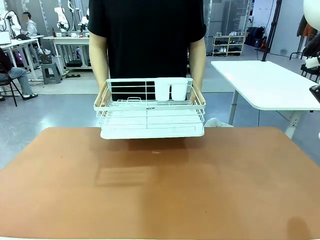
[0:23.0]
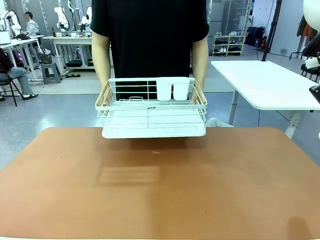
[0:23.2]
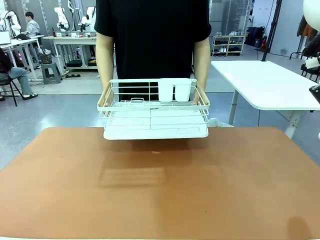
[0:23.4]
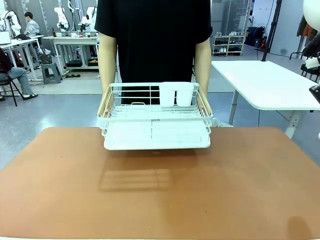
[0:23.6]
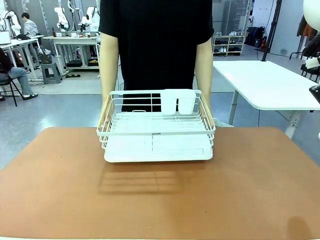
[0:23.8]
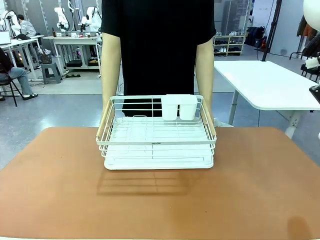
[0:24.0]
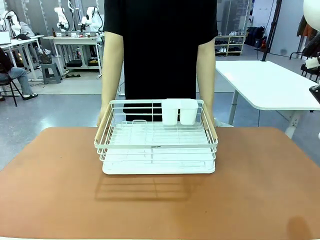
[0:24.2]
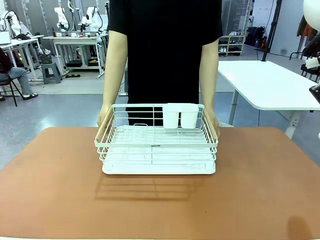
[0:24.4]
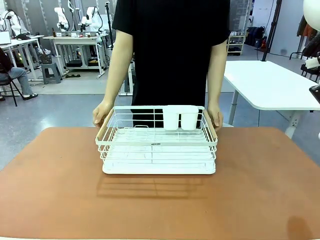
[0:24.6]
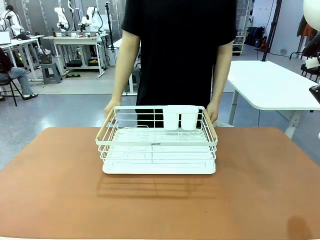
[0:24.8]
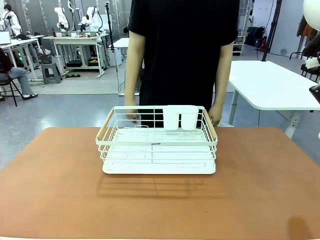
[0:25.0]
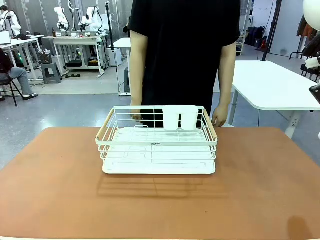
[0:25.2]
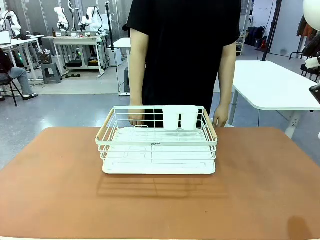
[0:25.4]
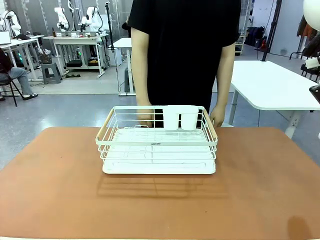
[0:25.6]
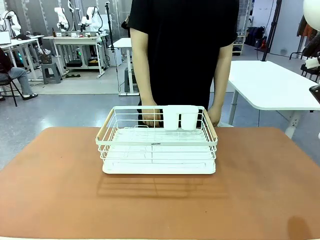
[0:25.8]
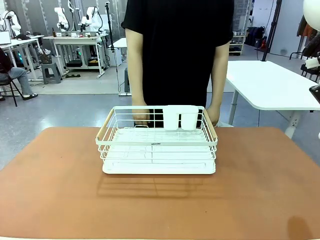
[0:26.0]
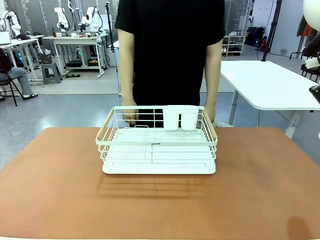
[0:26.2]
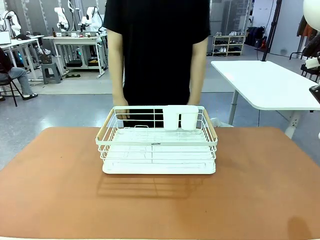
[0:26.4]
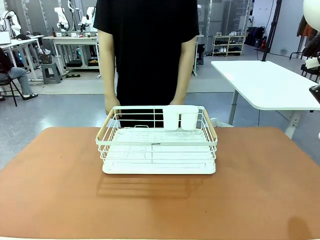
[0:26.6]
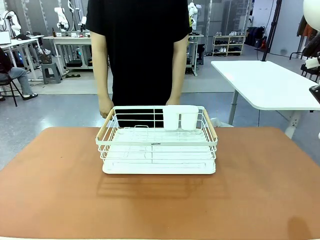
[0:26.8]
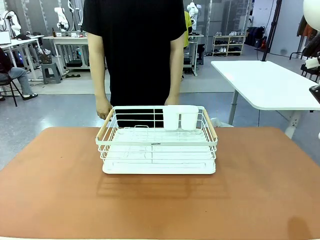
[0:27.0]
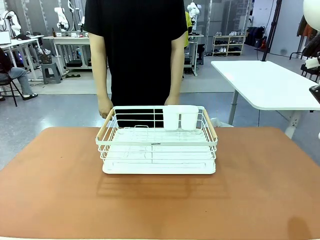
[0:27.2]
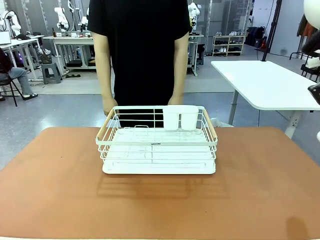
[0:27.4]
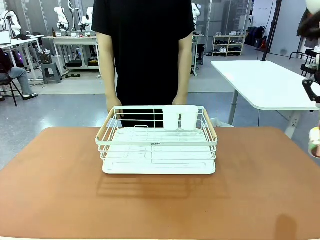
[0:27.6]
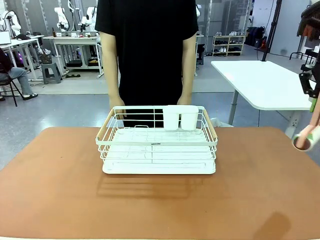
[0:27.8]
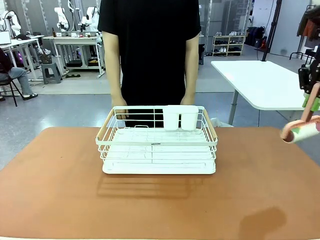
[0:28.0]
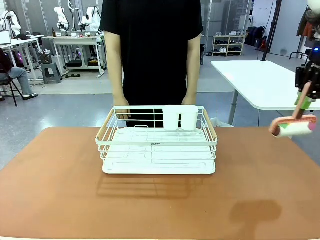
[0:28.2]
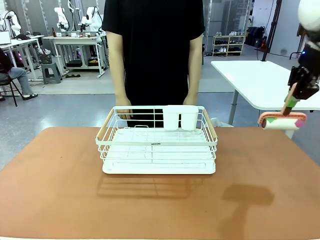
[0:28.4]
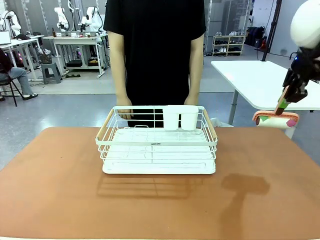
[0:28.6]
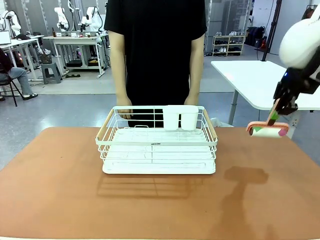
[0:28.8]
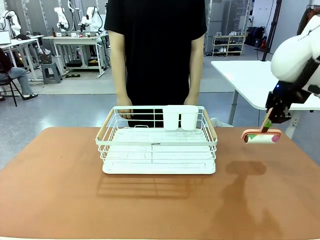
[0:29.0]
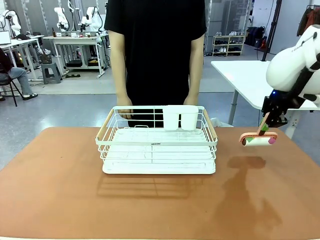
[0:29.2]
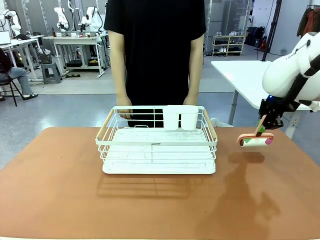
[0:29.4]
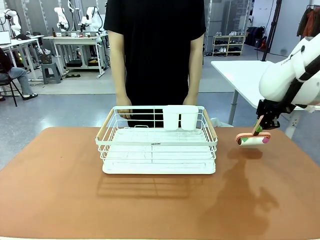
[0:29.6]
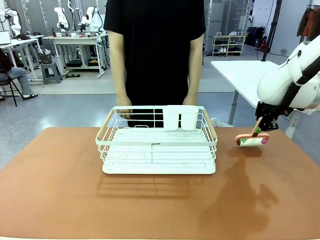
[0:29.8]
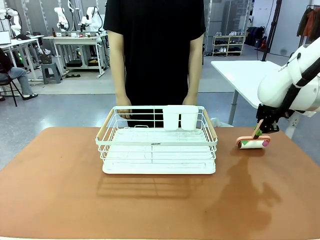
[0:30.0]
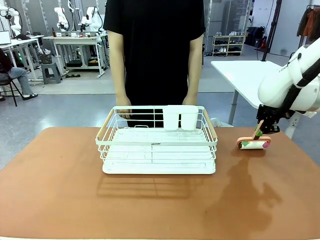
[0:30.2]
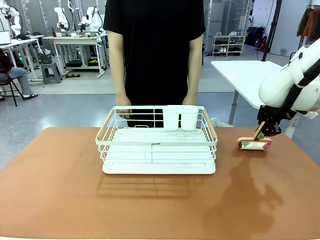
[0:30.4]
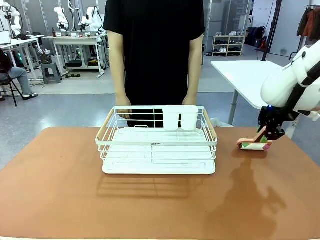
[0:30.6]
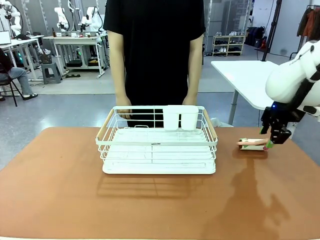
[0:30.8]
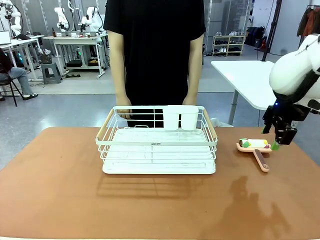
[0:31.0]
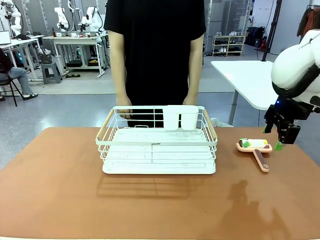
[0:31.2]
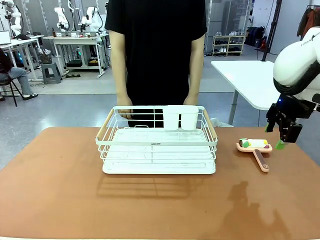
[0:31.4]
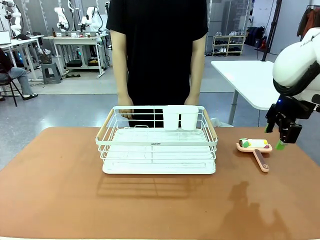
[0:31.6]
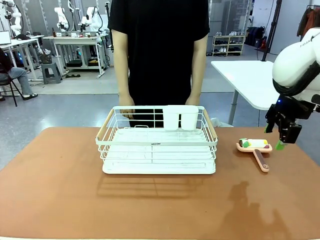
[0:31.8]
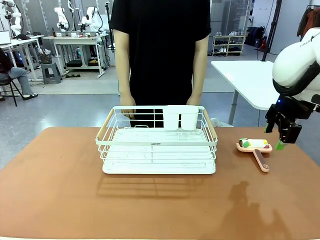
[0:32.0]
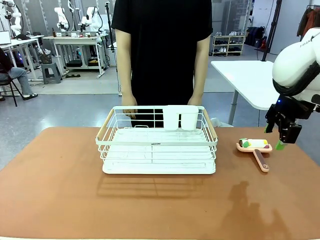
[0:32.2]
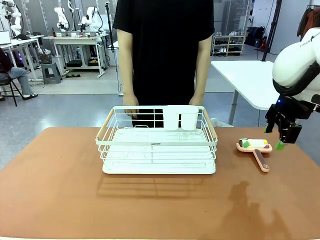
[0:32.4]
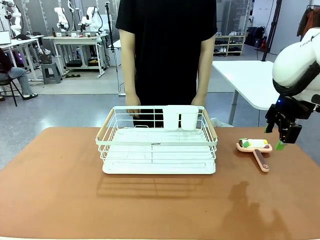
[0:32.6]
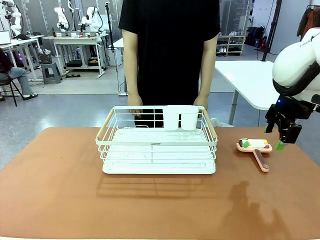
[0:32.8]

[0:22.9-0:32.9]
Task: Clean the table.
Robot: Place the Lint Roller down when the Dish drying rack is positioned in the middle of the table.
Person: Place the Dish drying rack down when the robot finishes cleaning.

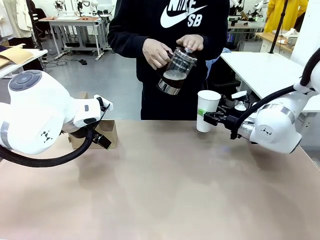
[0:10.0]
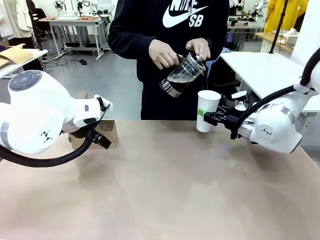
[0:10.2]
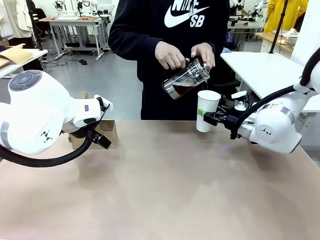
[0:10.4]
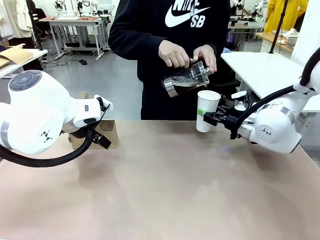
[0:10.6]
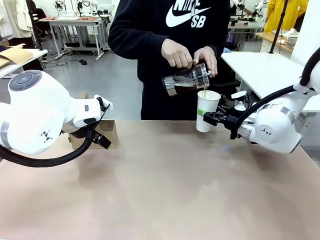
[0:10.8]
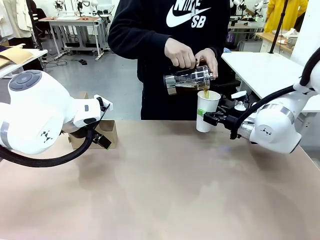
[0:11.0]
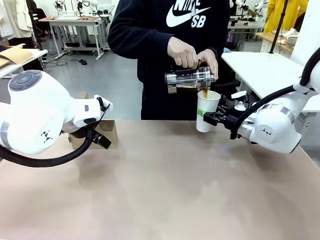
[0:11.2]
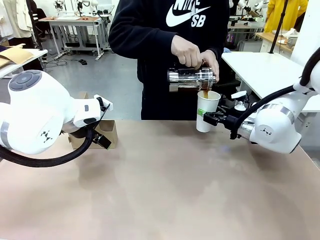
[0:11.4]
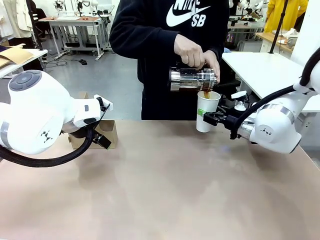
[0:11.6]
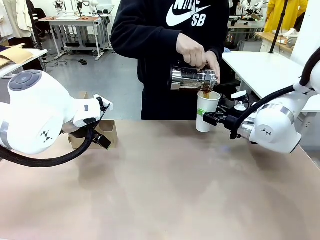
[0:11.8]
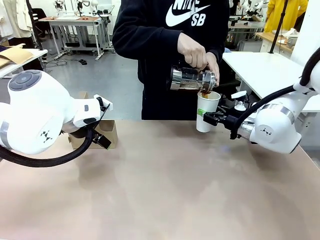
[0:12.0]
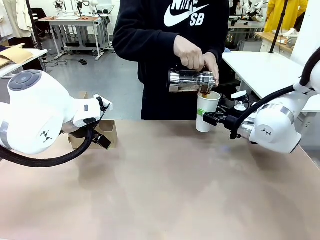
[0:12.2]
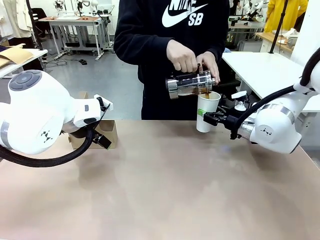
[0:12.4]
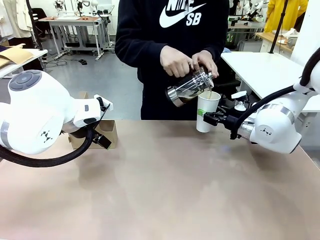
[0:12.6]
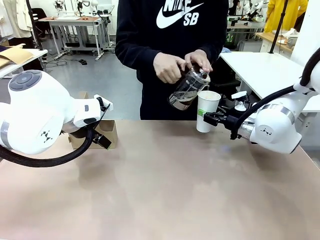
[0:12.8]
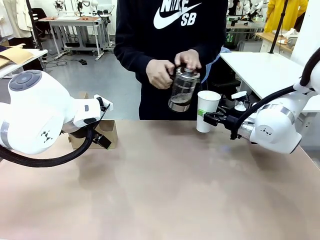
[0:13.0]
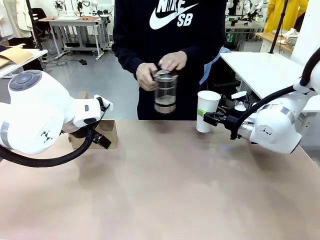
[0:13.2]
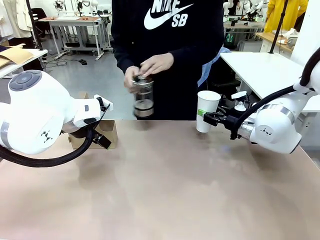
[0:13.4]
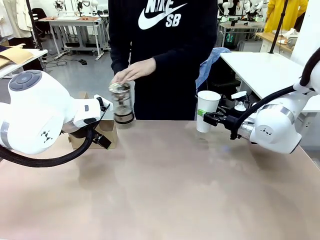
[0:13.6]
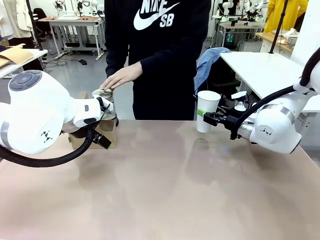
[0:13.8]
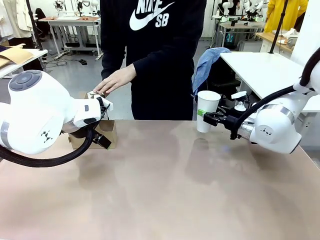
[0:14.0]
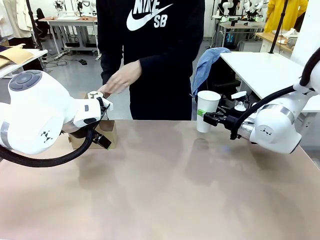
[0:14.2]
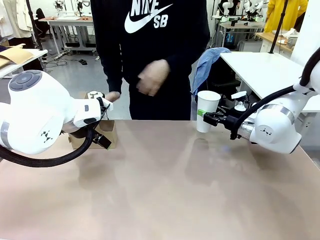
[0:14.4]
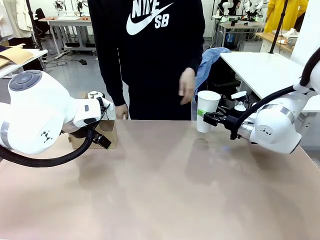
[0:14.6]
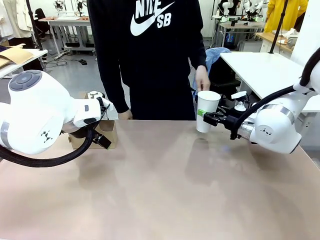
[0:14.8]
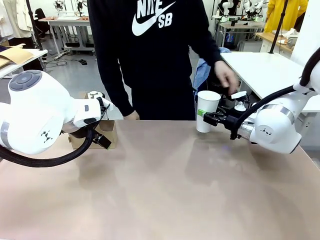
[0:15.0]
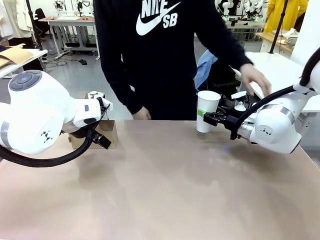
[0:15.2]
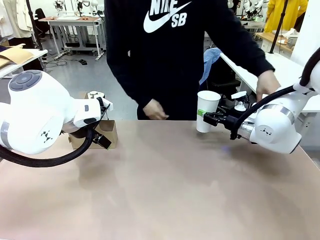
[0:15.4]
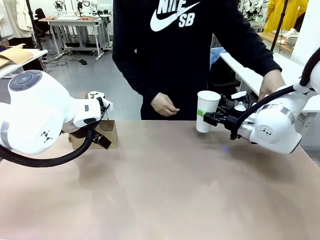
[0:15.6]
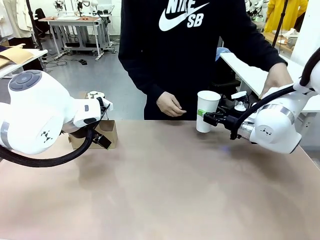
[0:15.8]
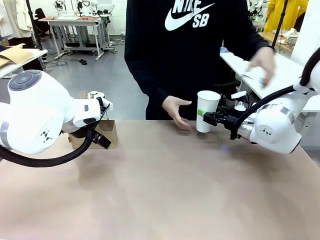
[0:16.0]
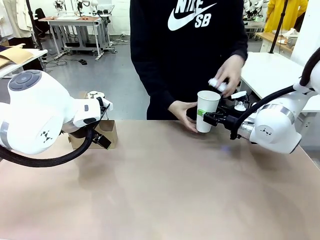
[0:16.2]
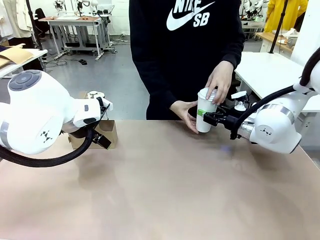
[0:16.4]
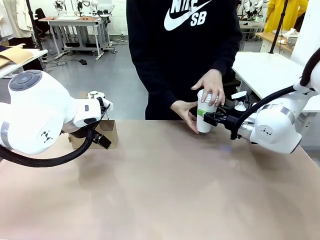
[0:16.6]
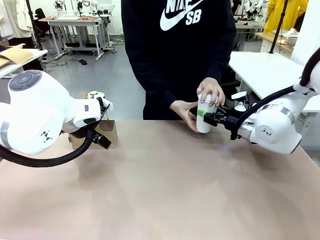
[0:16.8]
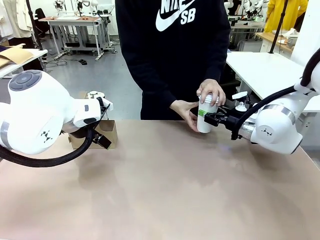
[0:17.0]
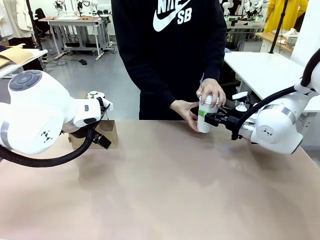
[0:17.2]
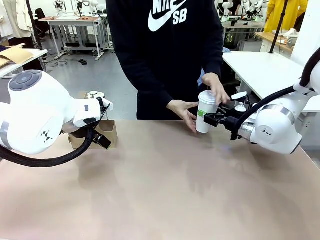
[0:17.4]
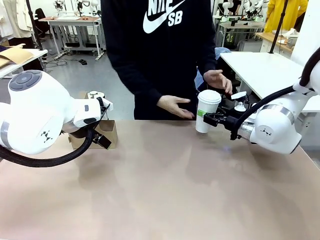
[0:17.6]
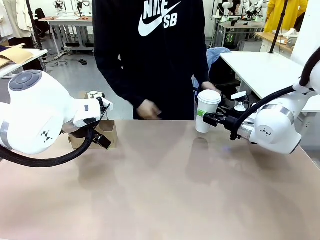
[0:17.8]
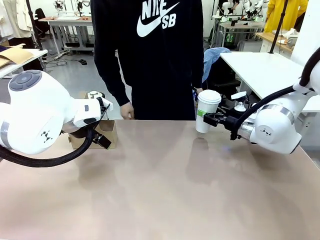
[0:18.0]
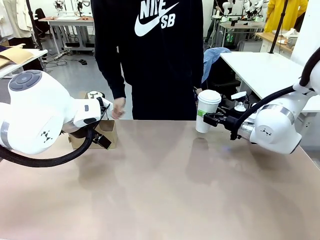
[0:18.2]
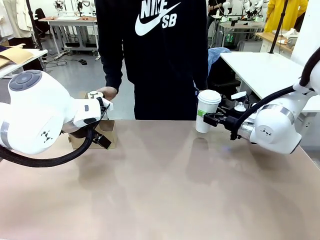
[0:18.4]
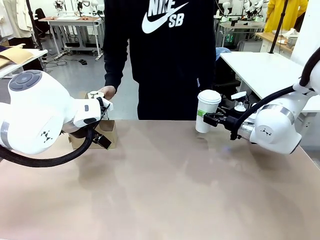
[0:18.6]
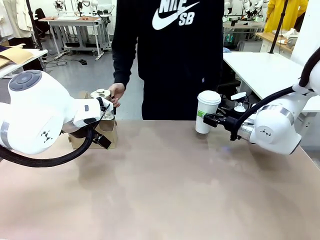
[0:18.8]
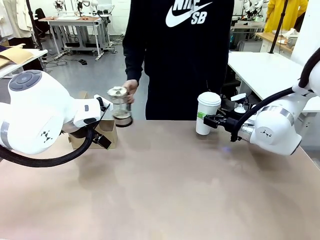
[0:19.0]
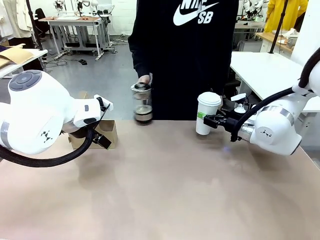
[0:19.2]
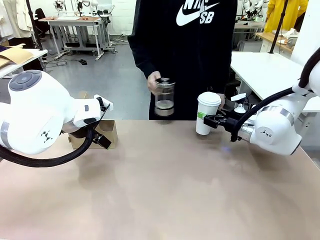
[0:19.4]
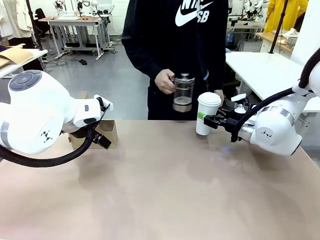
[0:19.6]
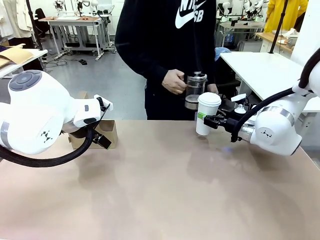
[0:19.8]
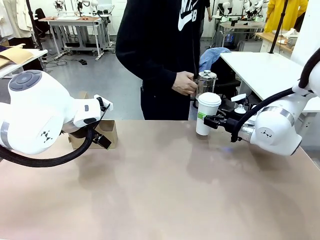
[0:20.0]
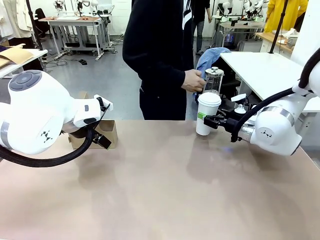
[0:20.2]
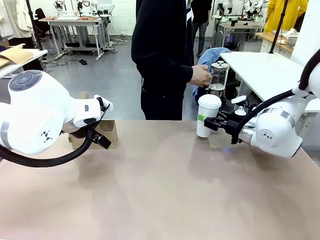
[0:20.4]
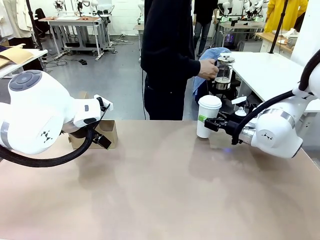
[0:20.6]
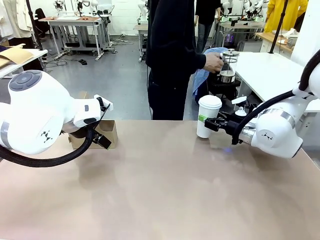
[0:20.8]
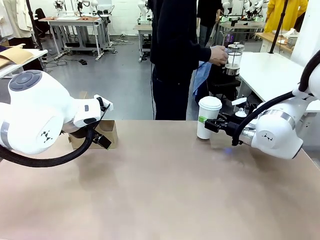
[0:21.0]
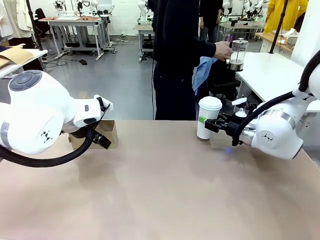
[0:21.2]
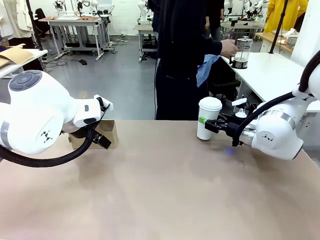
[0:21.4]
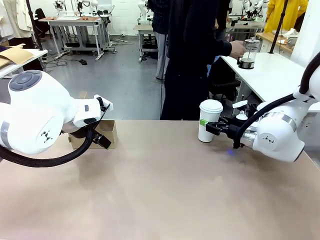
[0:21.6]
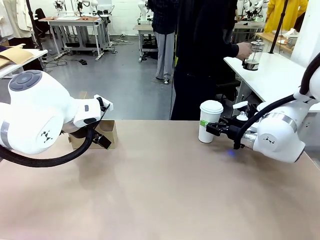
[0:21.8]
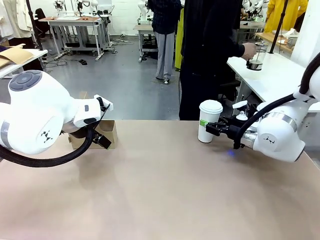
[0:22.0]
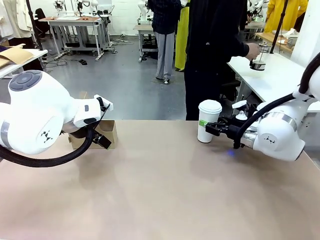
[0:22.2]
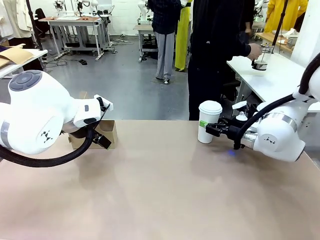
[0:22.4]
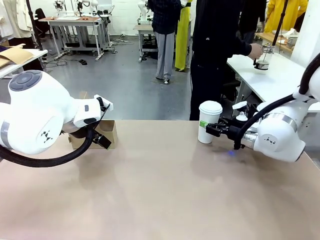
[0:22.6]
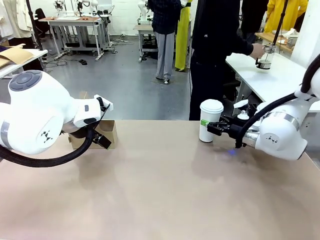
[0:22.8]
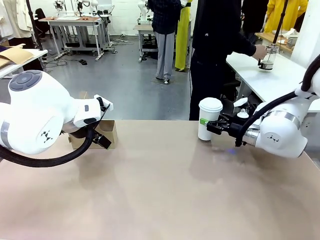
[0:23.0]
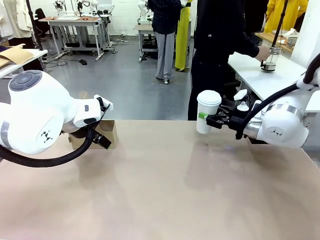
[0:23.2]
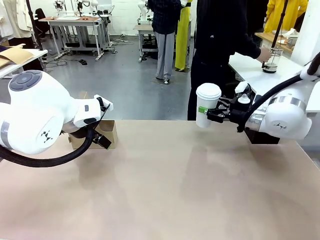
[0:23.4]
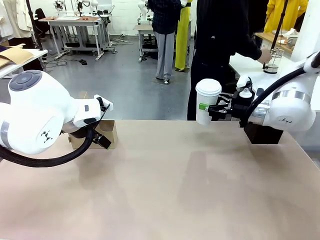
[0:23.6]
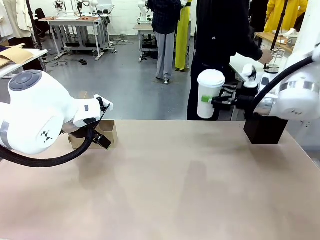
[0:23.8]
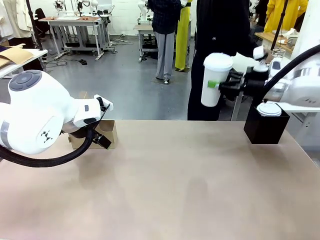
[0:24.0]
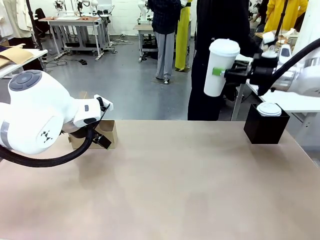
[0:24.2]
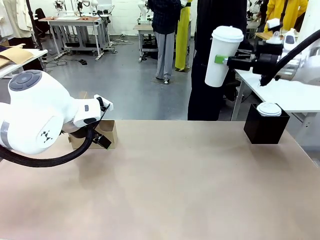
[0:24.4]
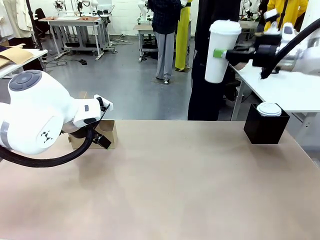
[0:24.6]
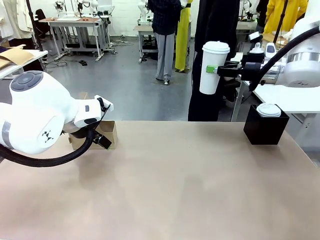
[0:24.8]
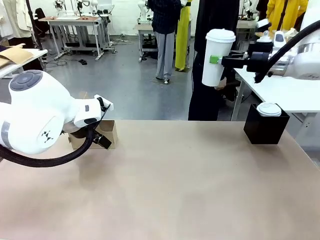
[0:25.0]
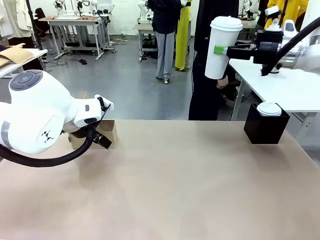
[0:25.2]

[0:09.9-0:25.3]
Task: Pour a drink into a cup and package it in a carrier.
Robot: When a person places the Paper Cup Lid on the 600 ml Paper Cup , lift the 600 ml Paper Cup.
Person: Pour the drink from the Filter Brewing into the 600 ml Paper Cup. Place a Paper Cup Lid on the 600 ml Paper Cup.
